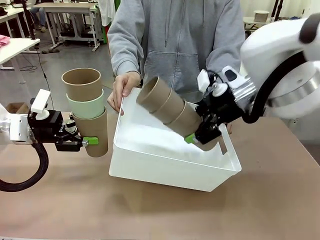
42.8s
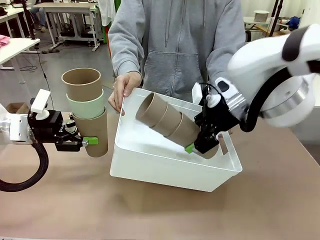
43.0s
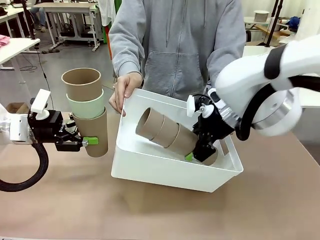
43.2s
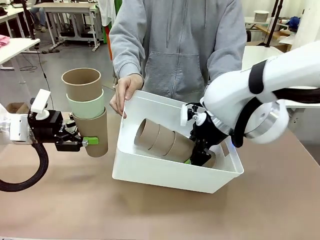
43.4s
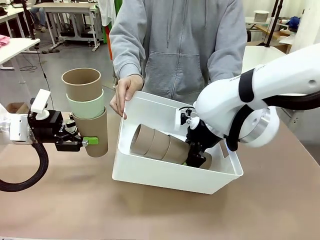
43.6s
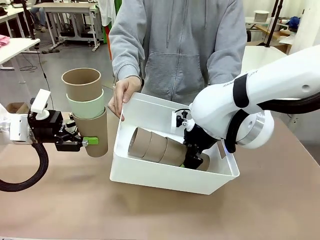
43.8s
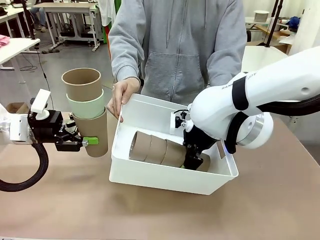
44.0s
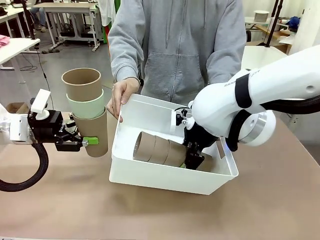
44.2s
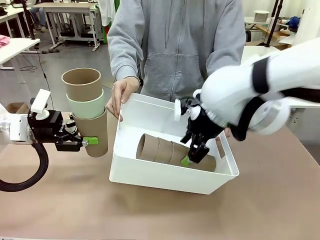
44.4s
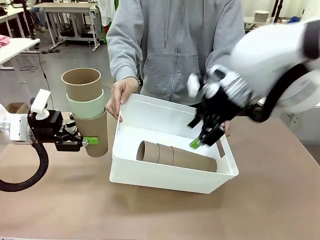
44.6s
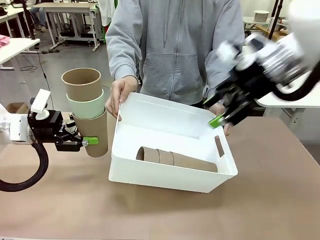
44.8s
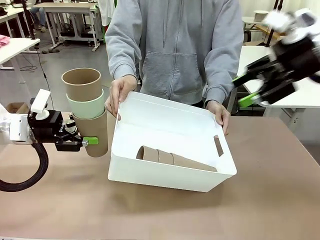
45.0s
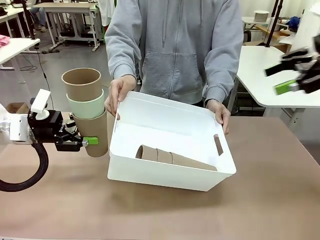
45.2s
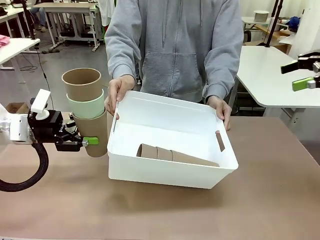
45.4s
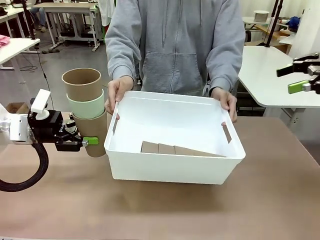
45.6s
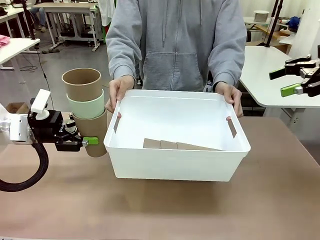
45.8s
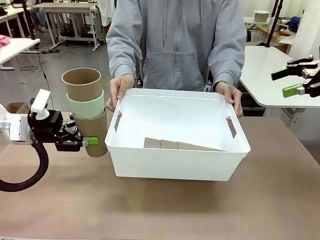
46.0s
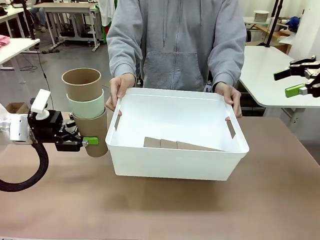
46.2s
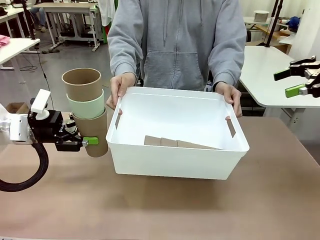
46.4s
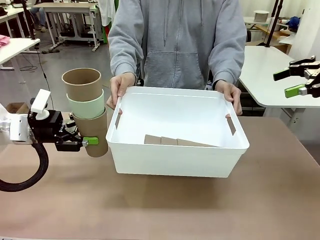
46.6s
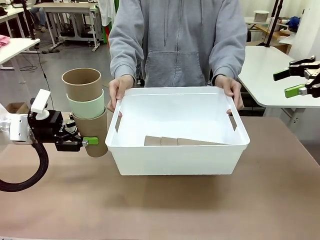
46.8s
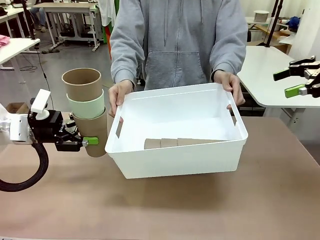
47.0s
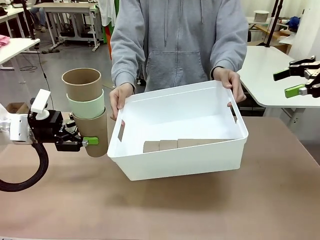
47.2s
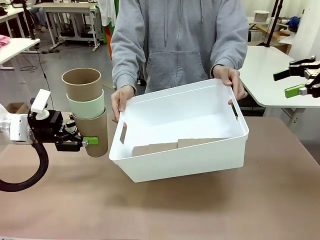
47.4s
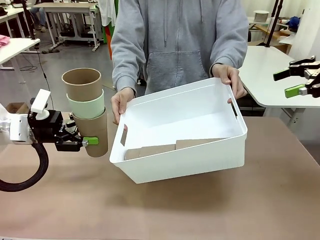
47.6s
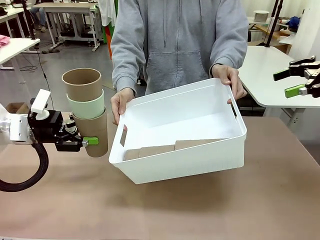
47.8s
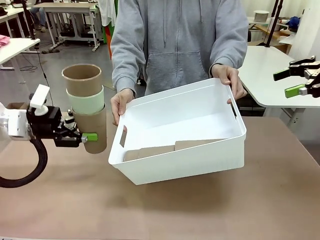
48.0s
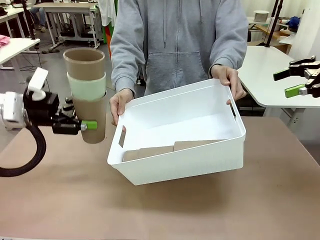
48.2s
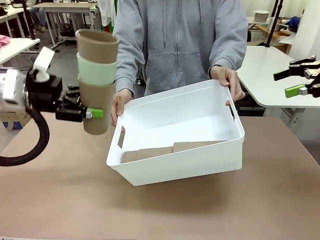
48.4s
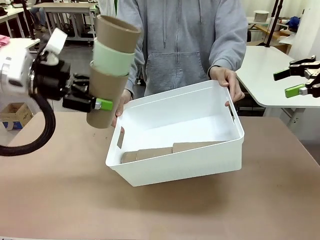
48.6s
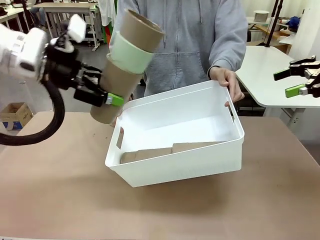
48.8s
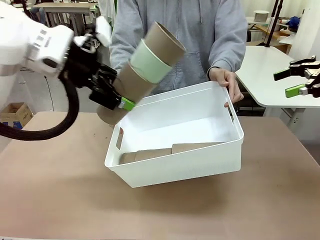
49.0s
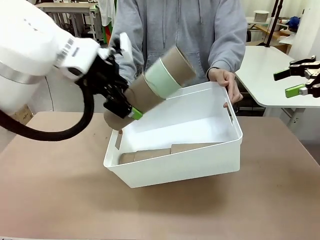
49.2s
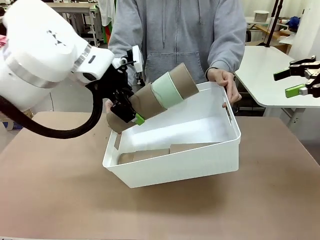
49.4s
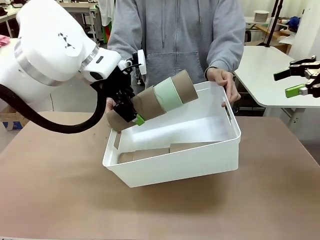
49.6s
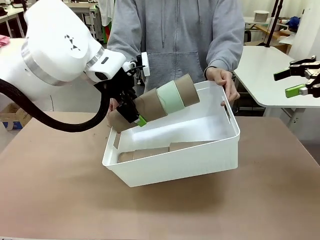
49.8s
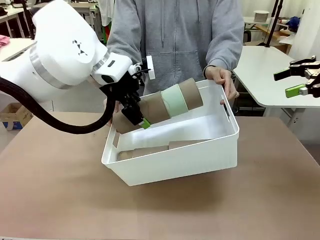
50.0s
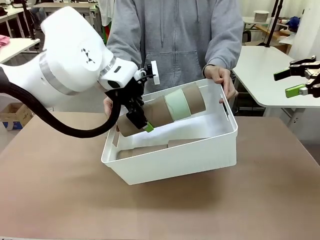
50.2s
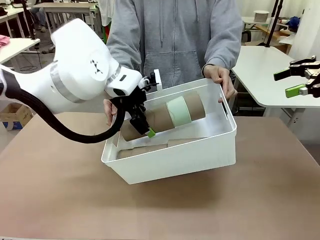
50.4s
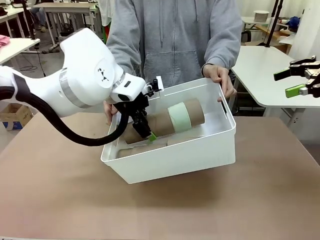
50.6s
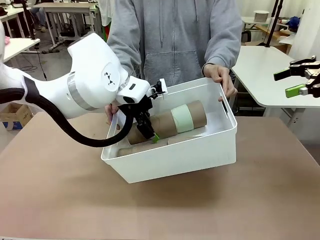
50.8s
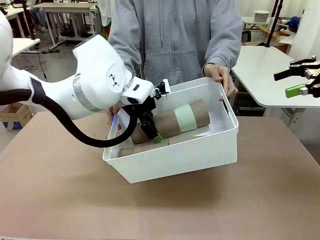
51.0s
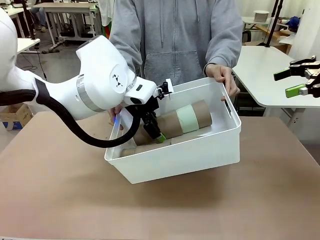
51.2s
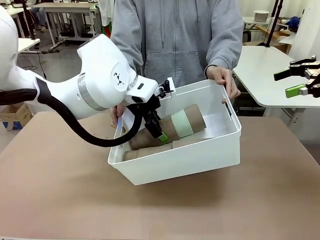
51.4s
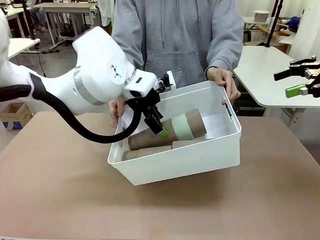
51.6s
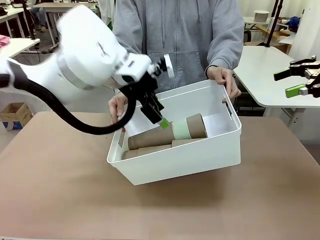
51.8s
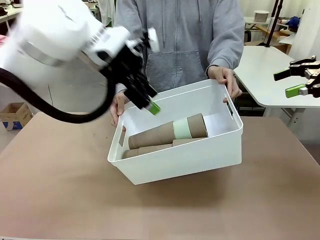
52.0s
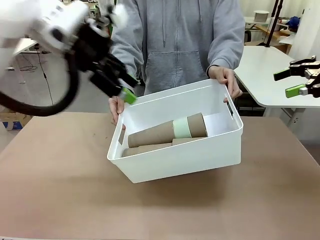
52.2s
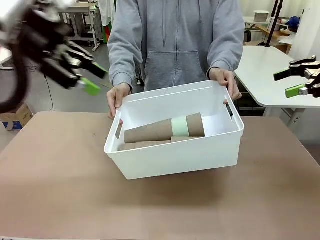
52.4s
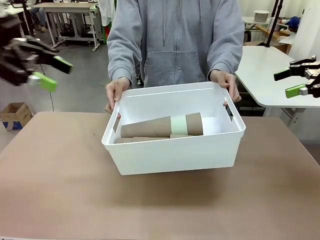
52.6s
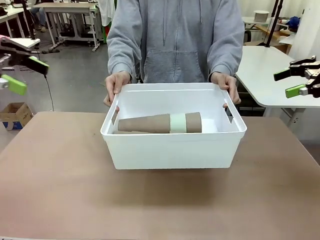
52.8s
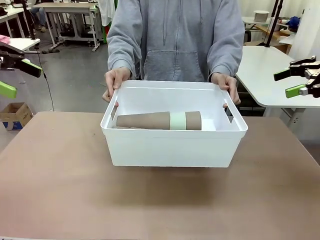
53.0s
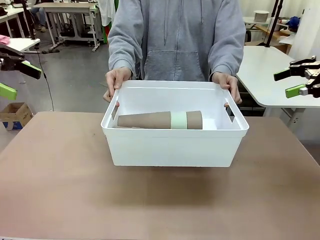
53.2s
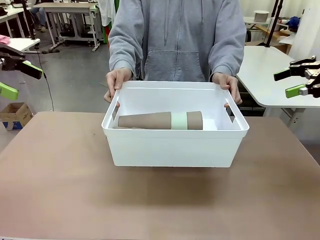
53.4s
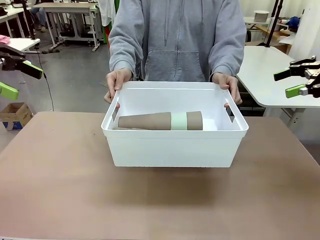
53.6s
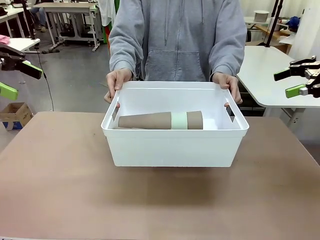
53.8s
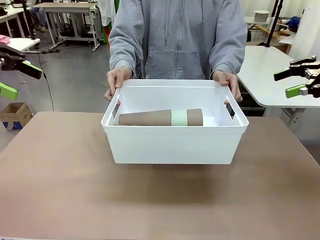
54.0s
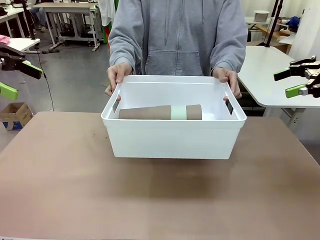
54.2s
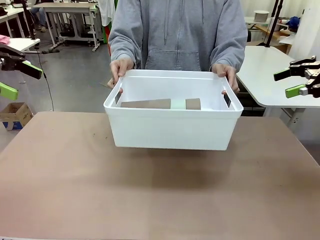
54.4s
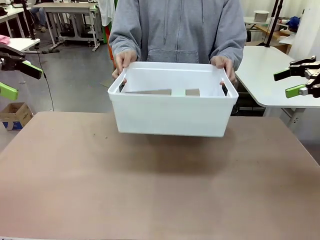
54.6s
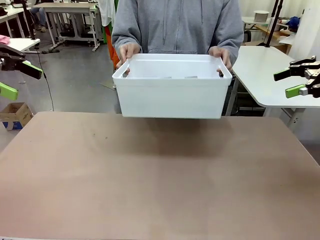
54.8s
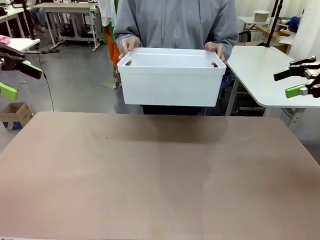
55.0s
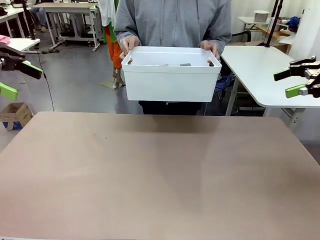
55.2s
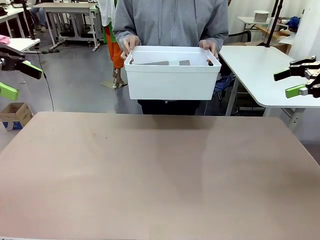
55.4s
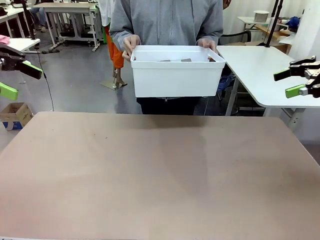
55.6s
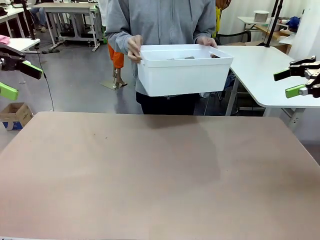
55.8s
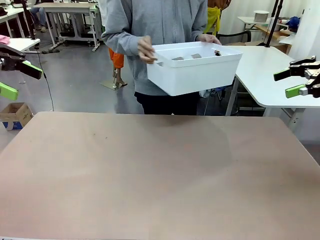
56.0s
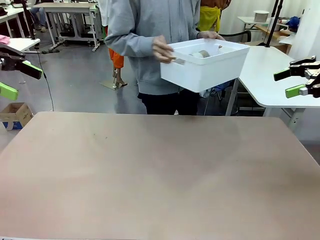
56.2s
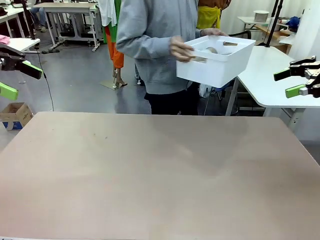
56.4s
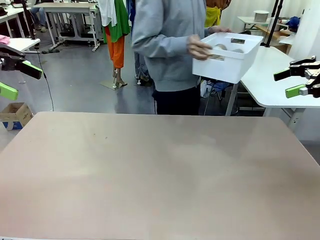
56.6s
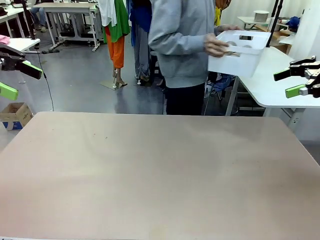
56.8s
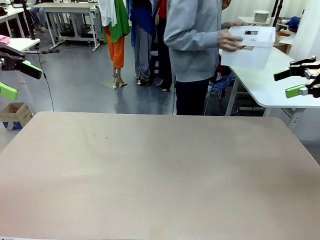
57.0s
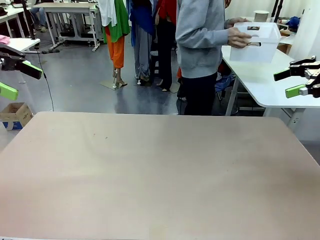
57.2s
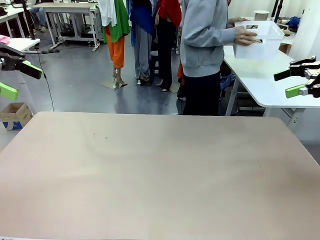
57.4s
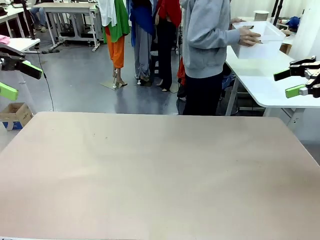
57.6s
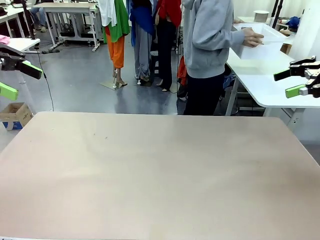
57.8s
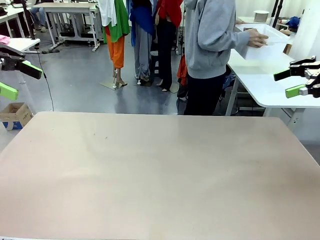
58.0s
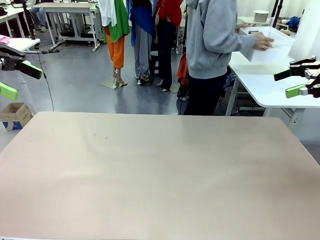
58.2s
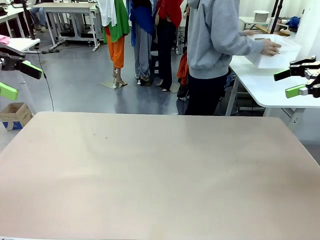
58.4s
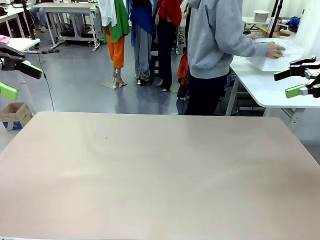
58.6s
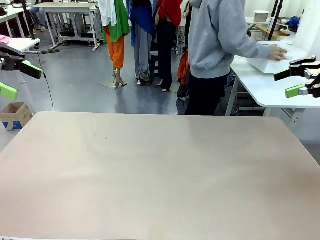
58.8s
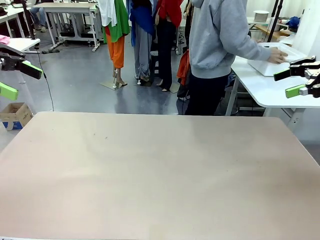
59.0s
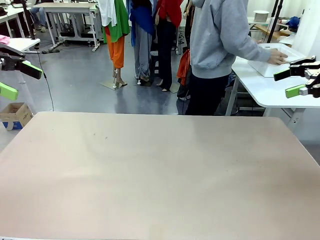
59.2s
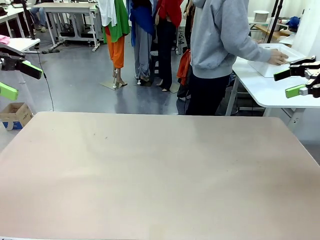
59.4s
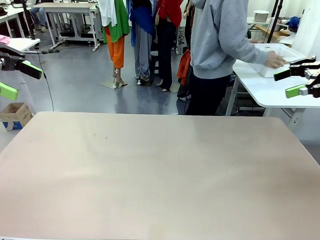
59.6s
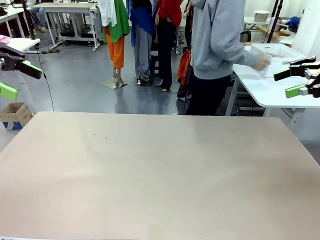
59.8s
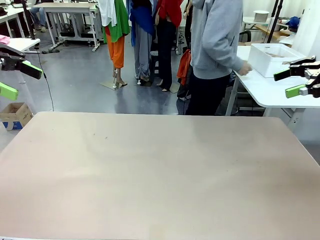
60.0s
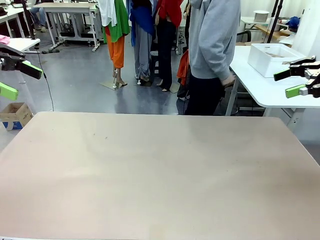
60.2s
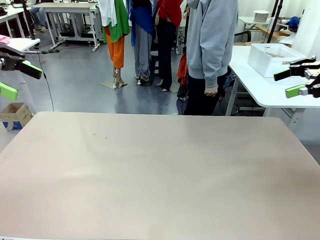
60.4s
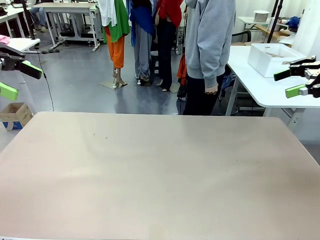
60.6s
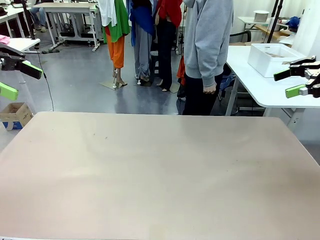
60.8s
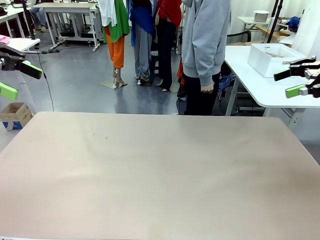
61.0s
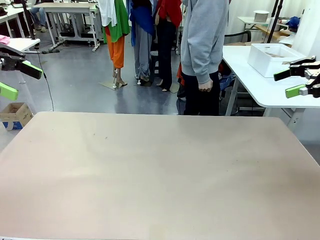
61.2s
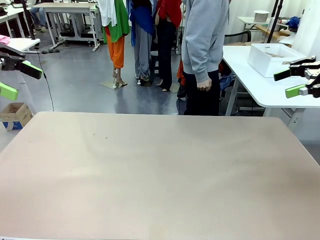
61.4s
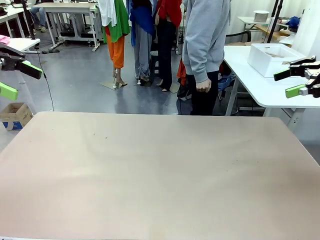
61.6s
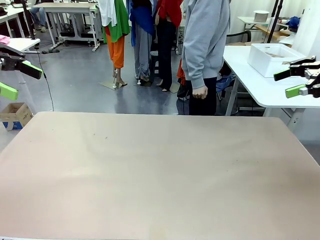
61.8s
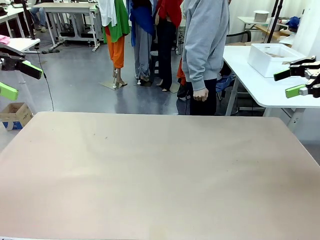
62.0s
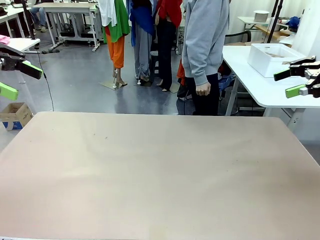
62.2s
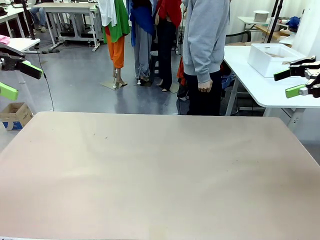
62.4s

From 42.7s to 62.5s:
Task: Stack the cups and store them in the basket.
Robot: Place the stack of Reusable plastic cups into the Pantry Basket.
Person: Place the basket containing the cups in the middle of the Human Table.
